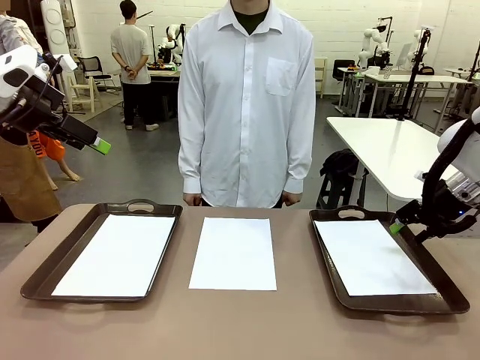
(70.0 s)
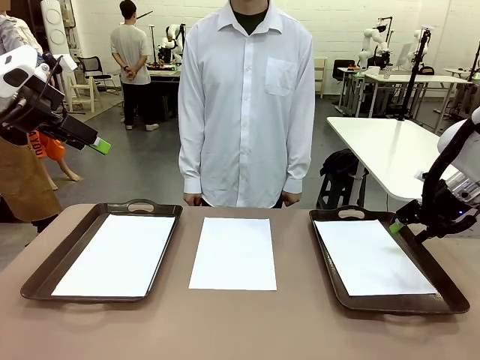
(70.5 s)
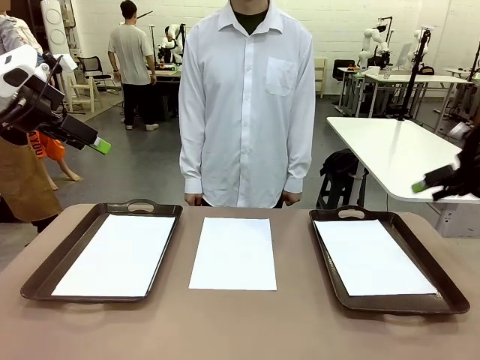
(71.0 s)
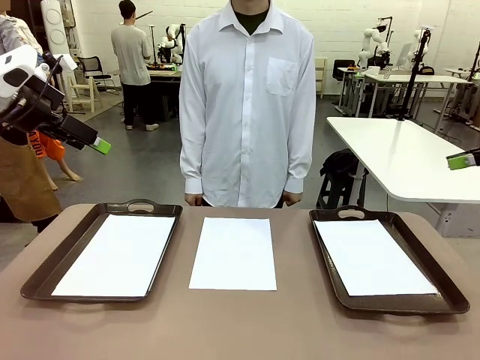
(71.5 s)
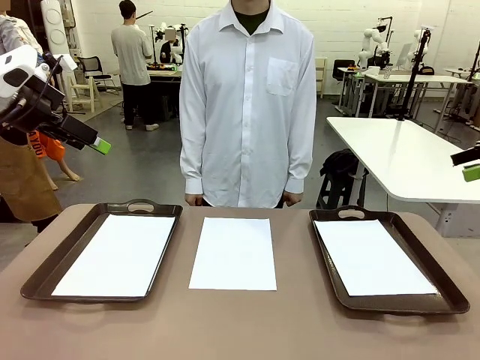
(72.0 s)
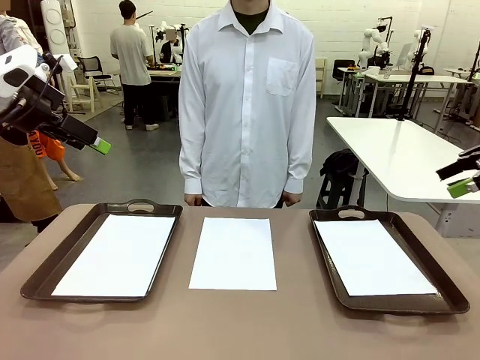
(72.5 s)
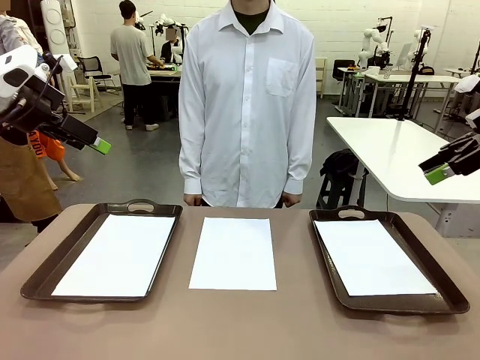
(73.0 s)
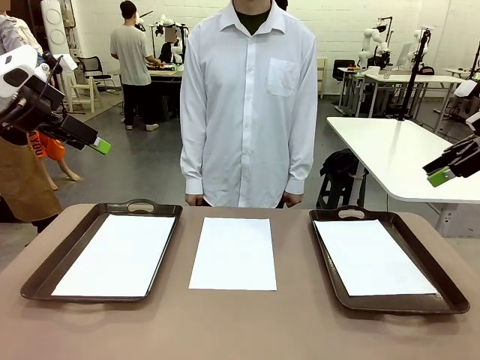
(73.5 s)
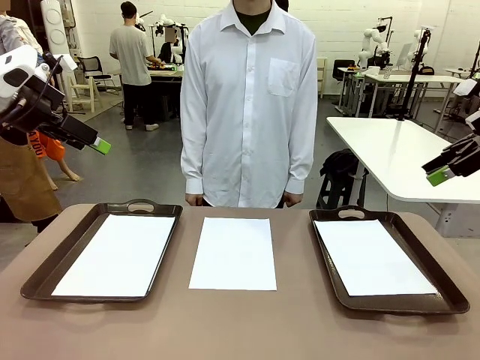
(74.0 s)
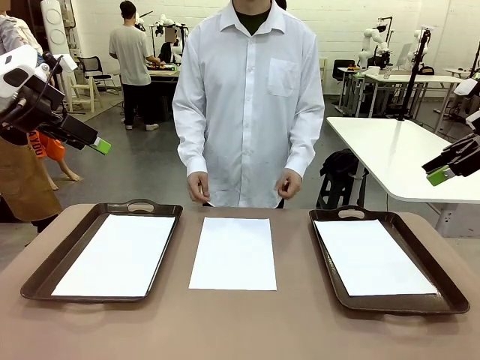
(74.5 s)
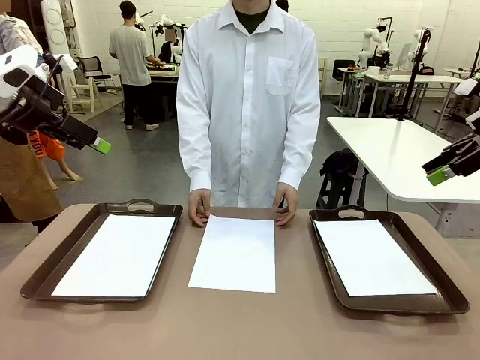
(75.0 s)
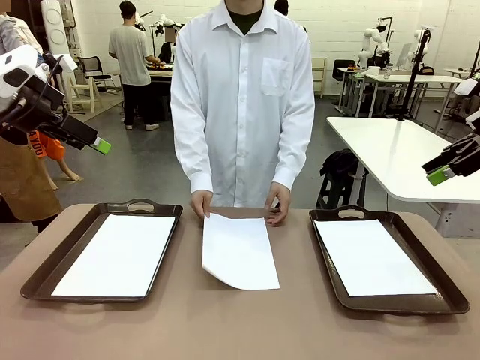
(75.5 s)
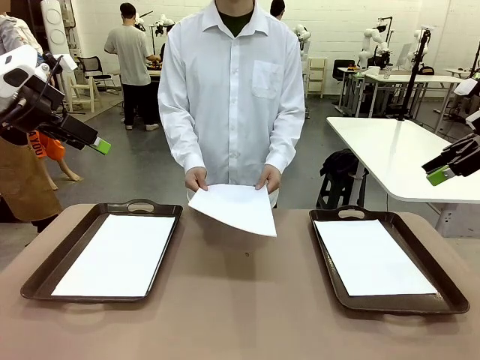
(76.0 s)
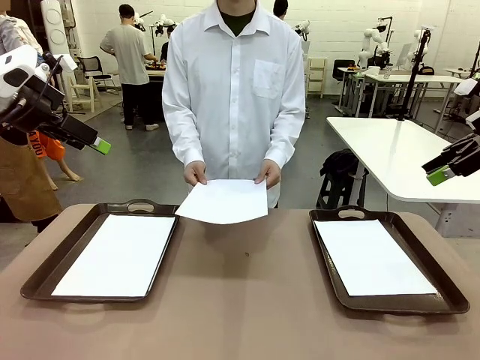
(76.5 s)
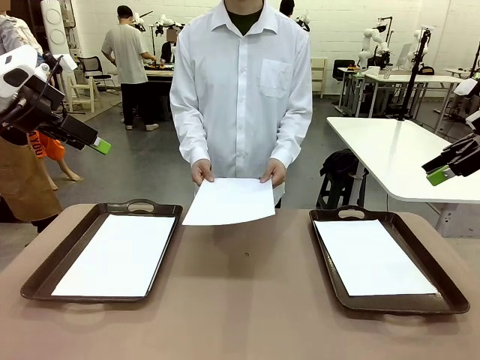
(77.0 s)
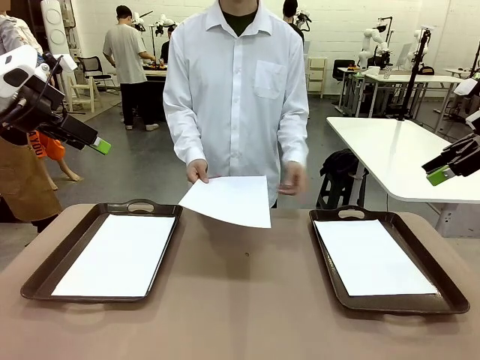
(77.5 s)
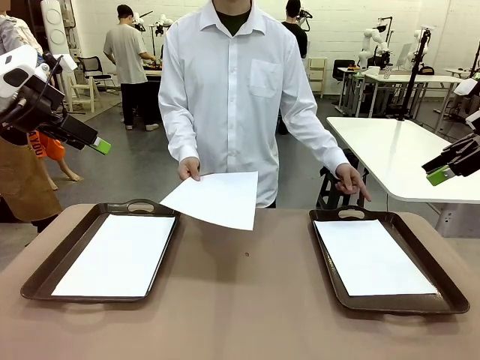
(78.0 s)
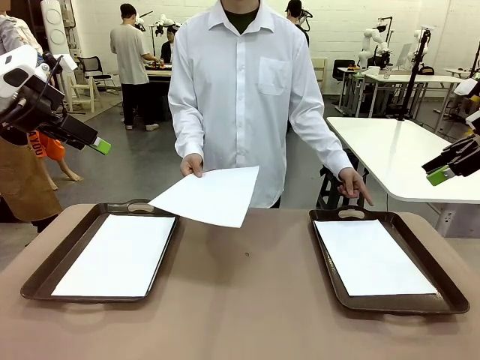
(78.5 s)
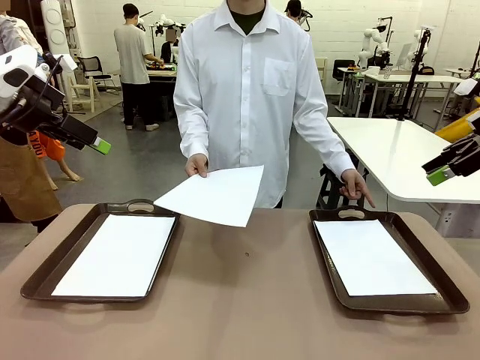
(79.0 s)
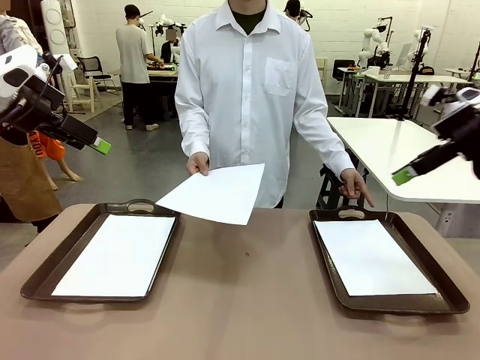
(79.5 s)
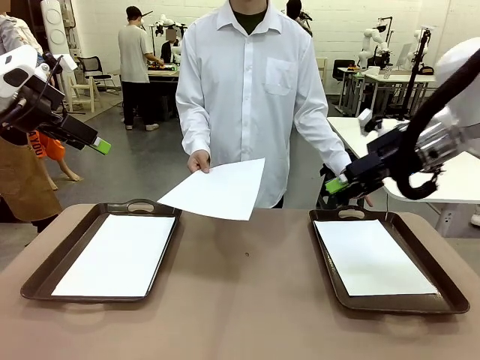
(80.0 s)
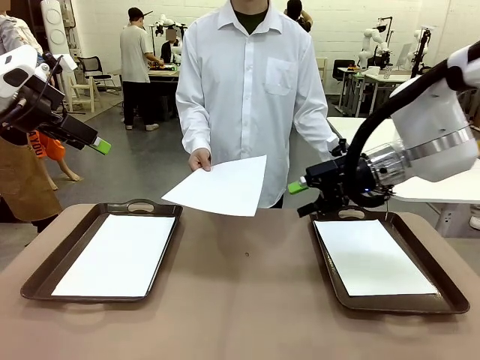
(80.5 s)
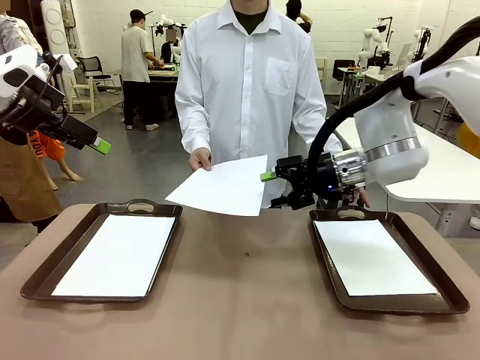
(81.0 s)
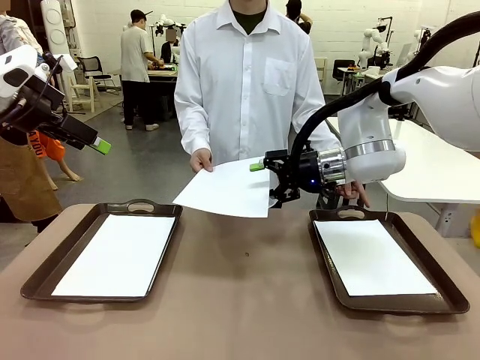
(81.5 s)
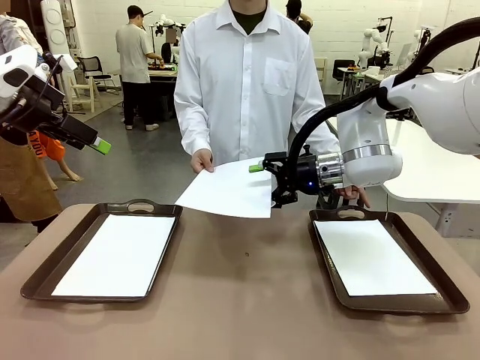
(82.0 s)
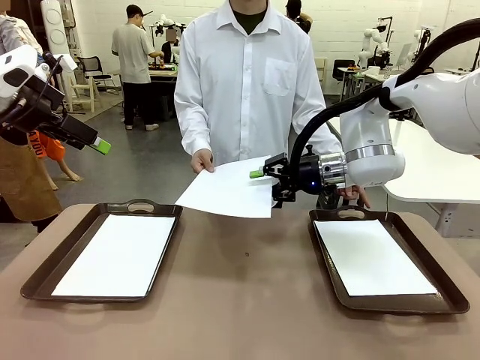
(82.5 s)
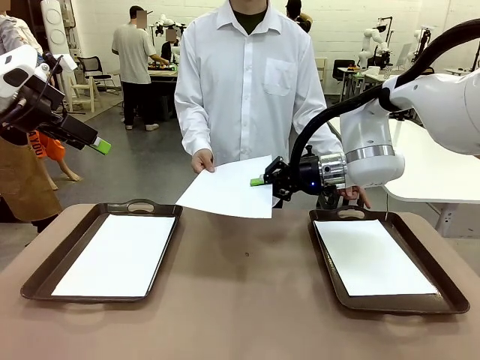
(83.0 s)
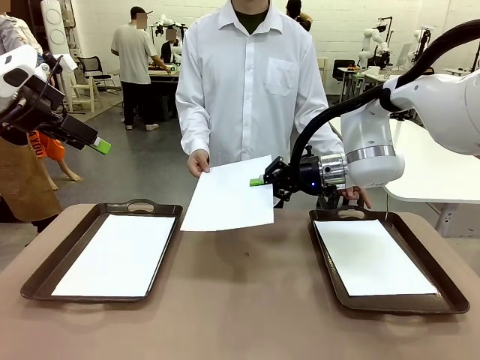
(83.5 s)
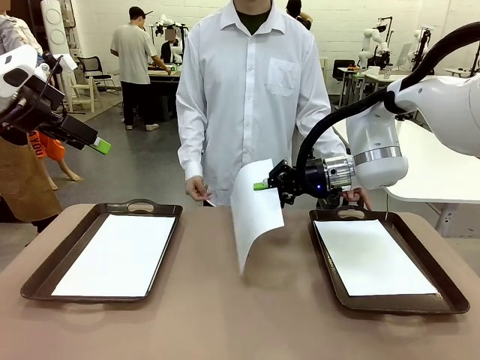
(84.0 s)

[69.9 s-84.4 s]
Task: Sort the A4 documents.
Robot: Receive the A4 Paper.
Person: Point the randomly selected tray with the other hand.

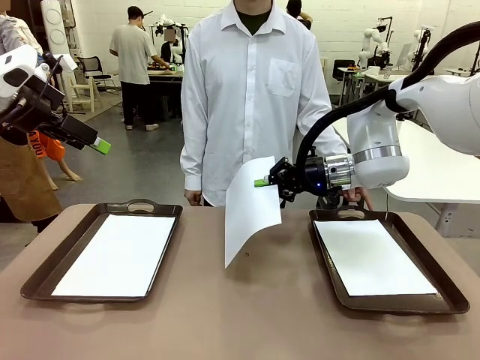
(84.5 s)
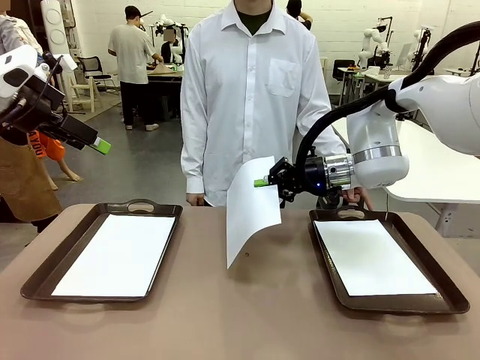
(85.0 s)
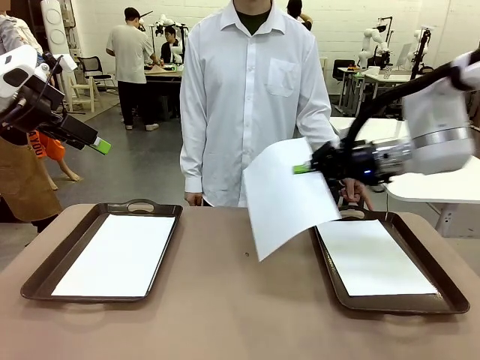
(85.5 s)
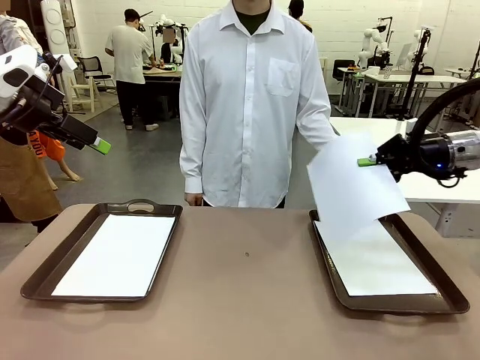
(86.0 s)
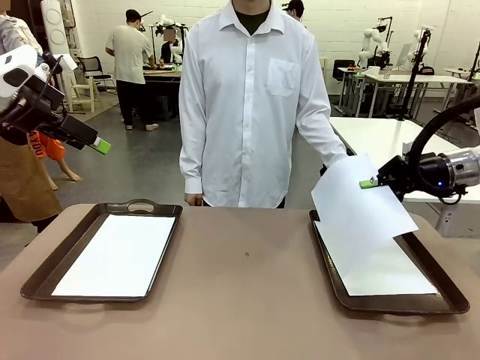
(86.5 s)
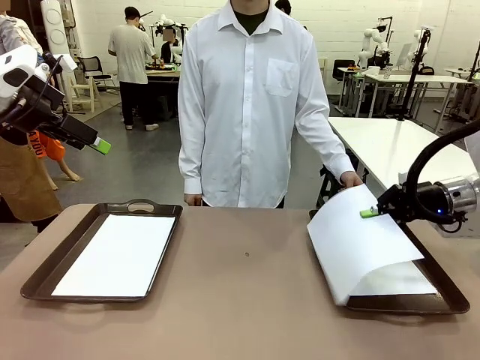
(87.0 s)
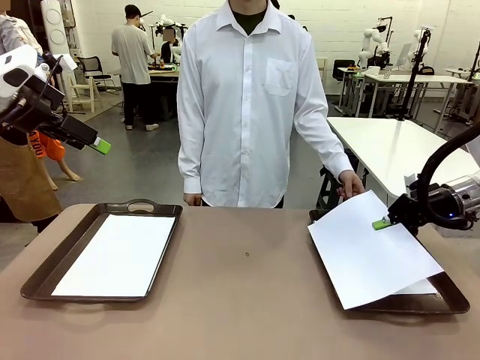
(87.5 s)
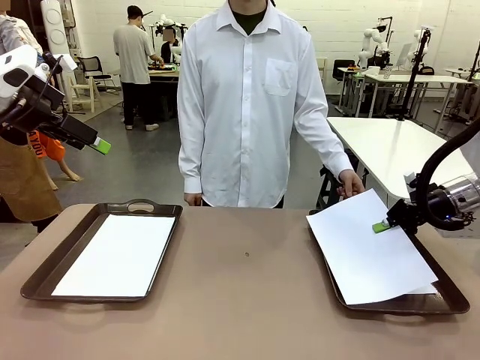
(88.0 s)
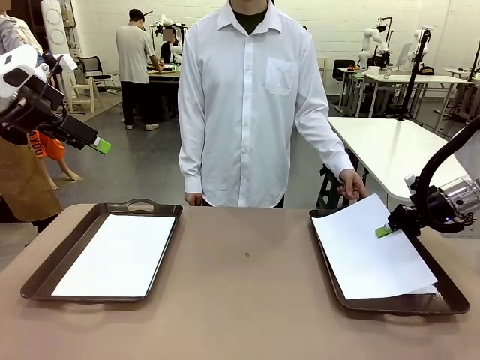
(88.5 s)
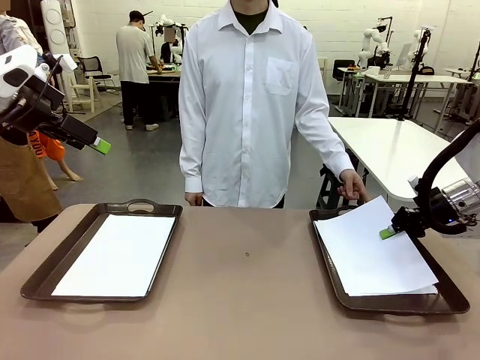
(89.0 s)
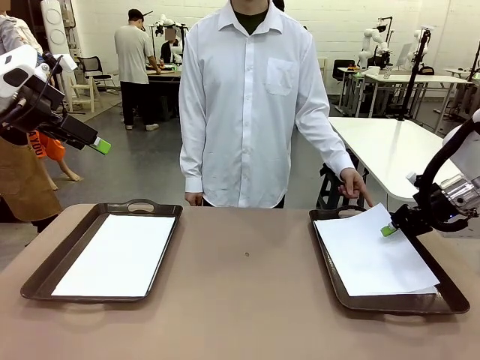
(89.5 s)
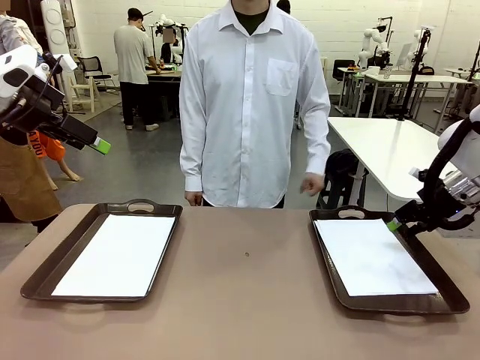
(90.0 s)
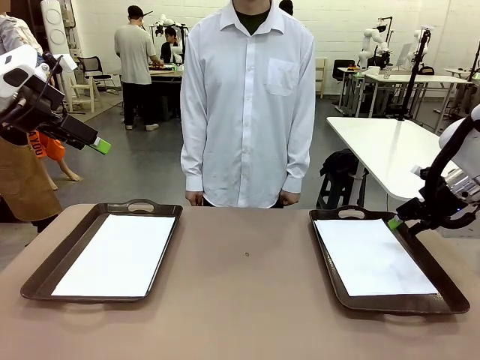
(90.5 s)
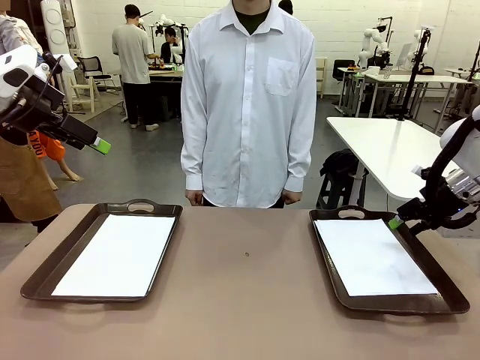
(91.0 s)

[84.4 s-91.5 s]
Robot: Place the A4 Paper in the designated Handle tray.
